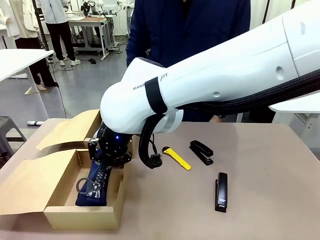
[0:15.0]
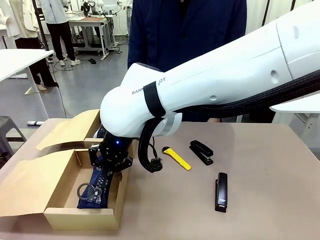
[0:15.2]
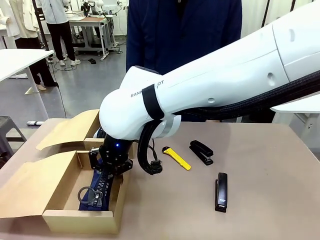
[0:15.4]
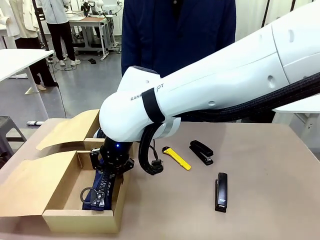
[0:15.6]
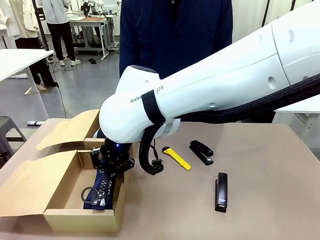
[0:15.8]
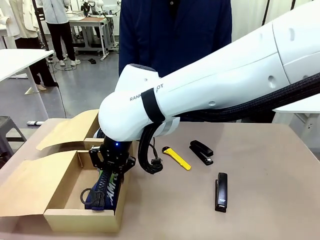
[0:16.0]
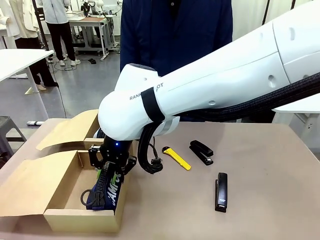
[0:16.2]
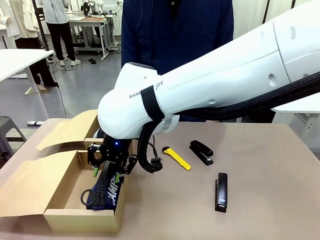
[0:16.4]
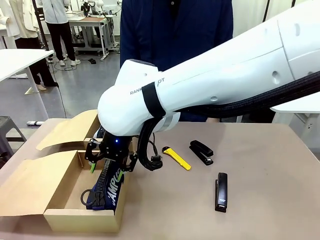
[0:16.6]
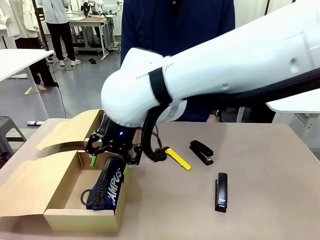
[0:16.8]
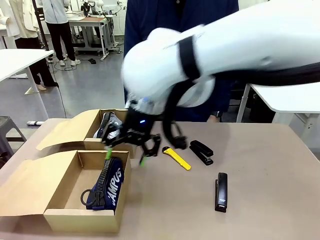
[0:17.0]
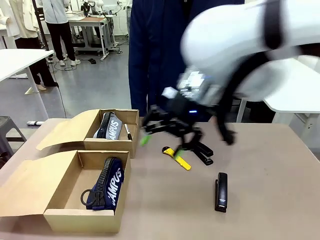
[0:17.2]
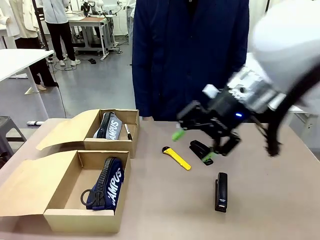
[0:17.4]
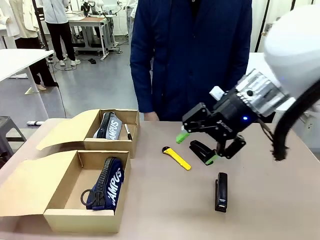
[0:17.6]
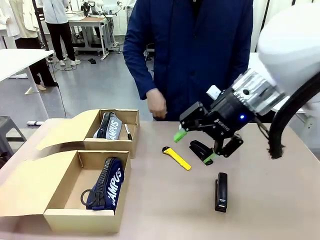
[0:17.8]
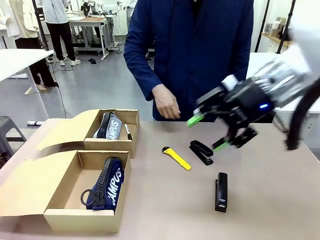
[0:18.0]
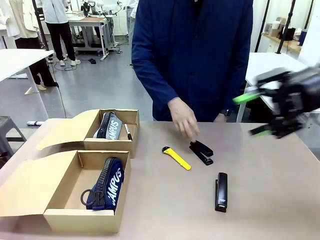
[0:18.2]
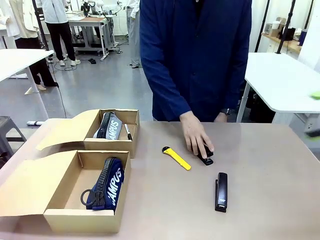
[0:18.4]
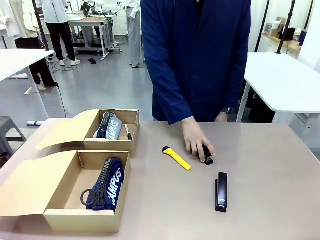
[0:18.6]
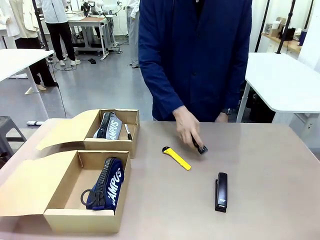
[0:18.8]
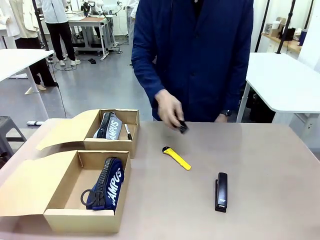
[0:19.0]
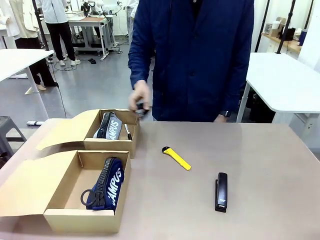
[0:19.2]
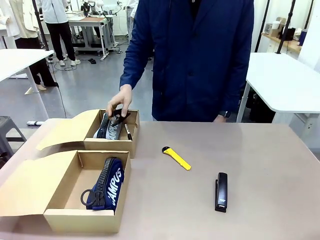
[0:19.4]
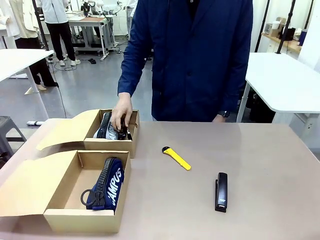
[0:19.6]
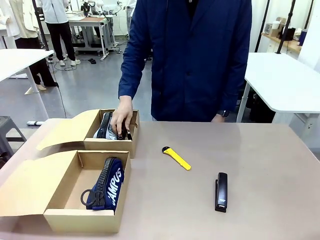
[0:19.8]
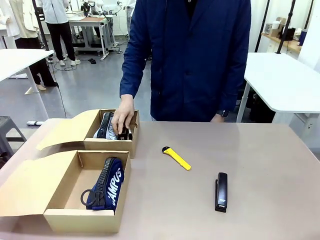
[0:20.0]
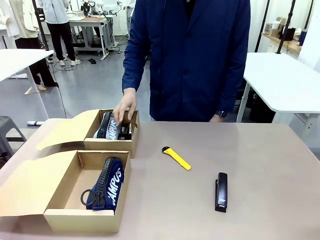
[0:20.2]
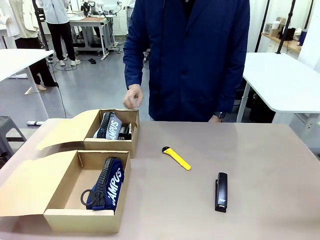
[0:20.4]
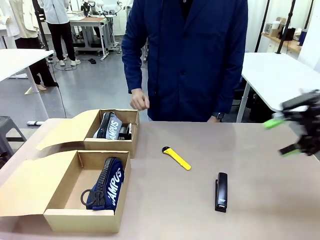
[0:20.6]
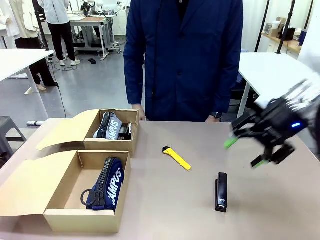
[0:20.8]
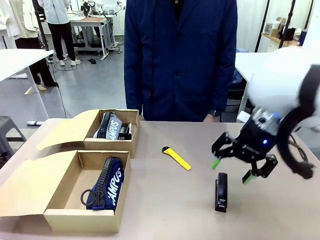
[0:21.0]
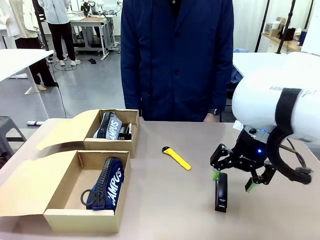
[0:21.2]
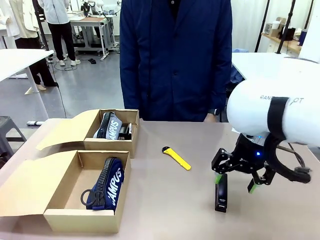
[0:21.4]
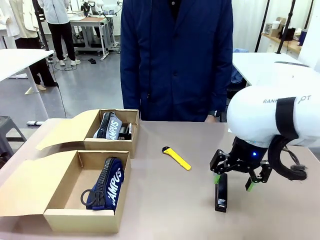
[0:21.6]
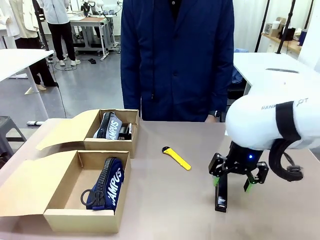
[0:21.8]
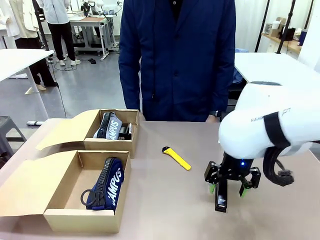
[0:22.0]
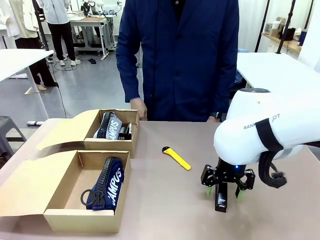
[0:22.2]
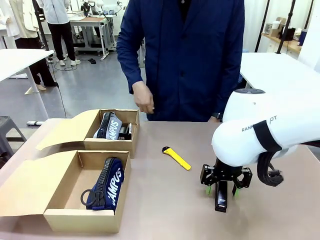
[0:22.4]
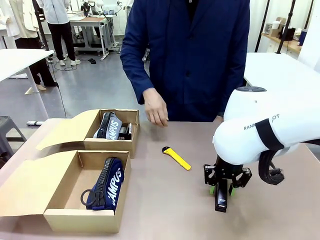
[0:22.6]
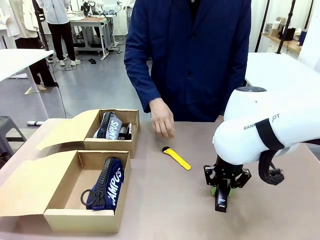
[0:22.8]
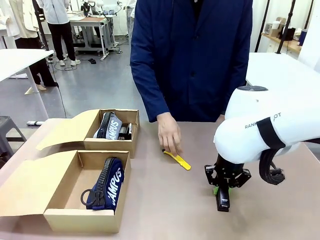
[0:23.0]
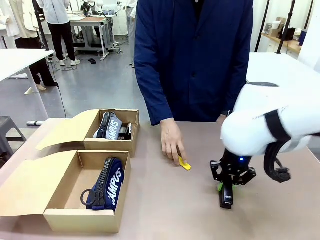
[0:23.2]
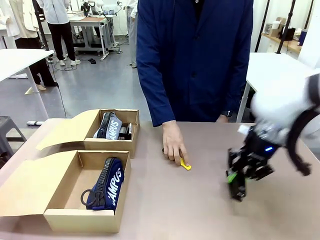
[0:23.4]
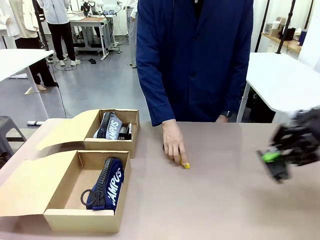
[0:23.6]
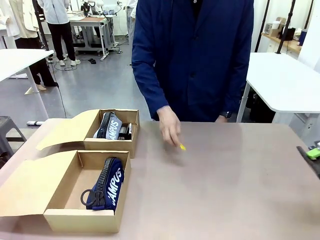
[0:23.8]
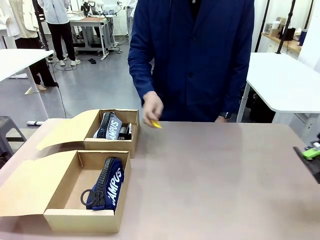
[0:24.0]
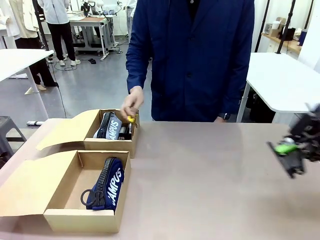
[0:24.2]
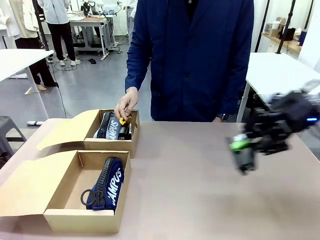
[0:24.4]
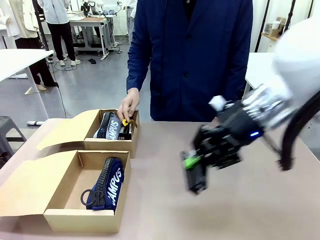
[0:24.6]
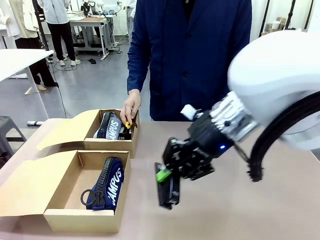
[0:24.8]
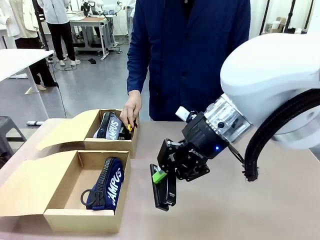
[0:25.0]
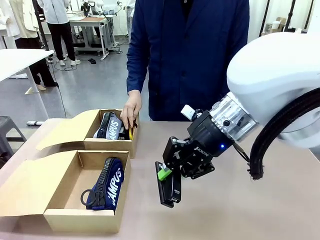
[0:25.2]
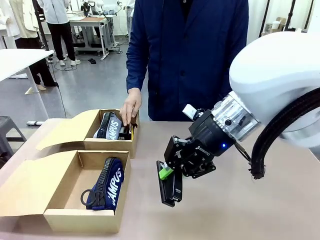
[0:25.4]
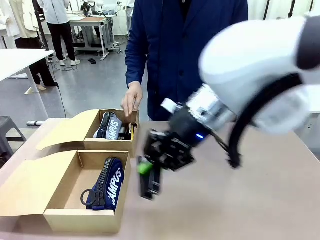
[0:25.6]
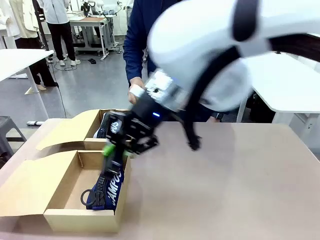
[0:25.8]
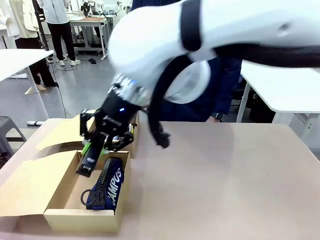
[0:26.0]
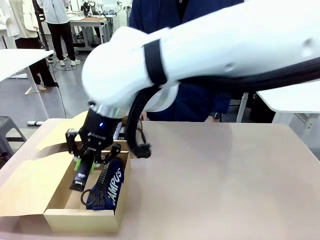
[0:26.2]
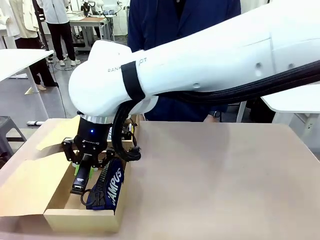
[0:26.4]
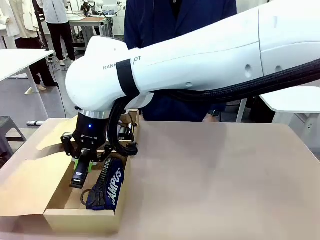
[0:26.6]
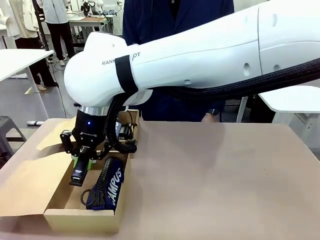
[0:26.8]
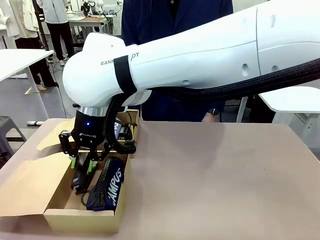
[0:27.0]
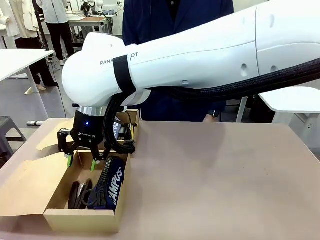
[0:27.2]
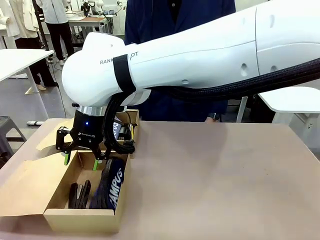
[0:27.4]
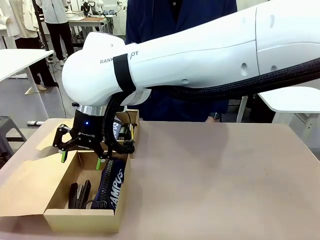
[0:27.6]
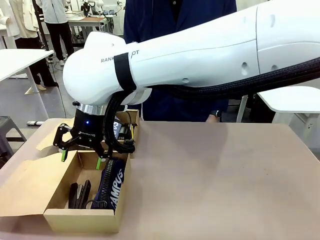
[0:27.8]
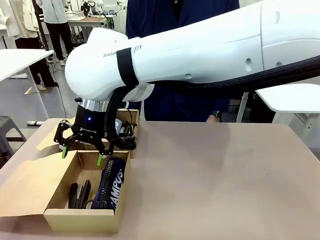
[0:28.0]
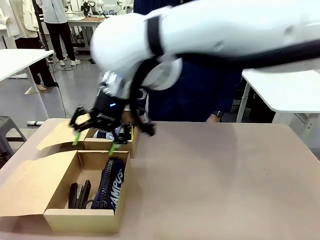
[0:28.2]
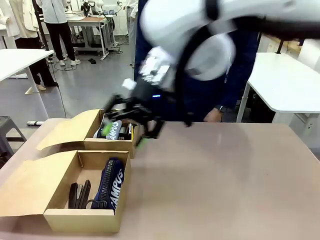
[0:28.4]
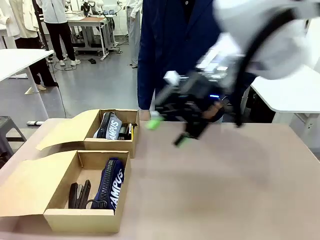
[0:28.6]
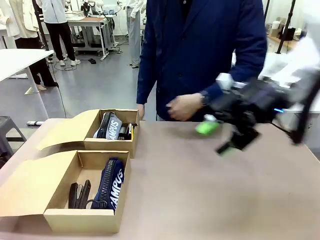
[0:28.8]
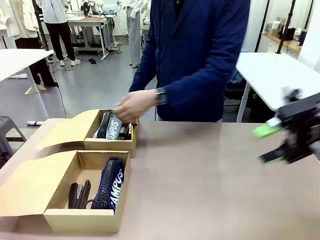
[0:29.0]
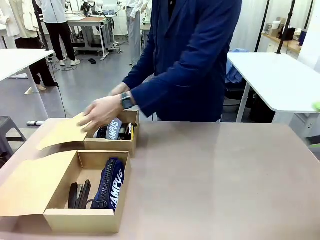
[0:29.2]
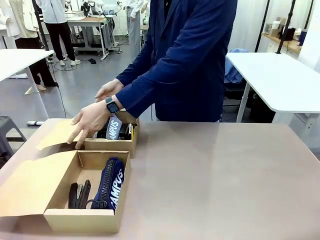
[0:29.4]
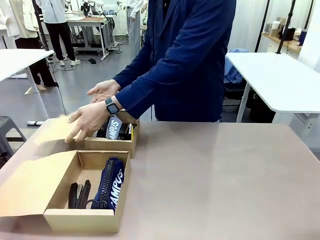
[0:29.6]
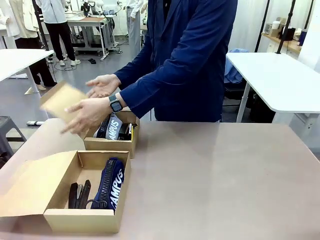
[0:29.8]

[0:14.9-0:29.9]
Task: Place items inside the box.
Robot: Pick up a Pencil pouch or Stapler and place it inside the Mailer Box closest to the robot.
